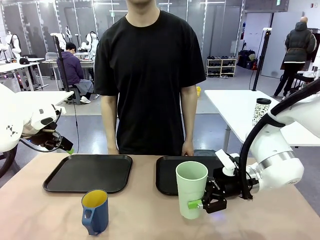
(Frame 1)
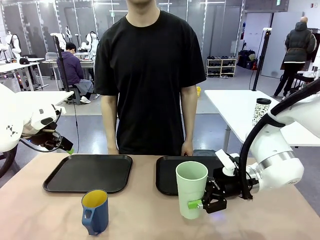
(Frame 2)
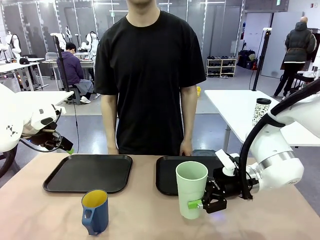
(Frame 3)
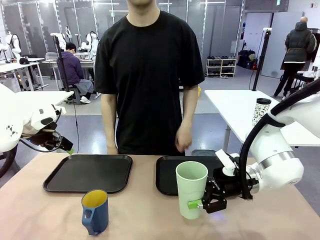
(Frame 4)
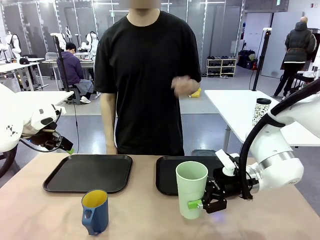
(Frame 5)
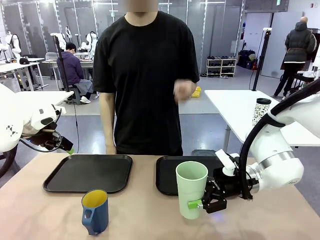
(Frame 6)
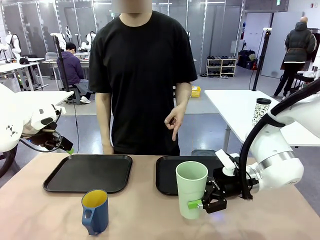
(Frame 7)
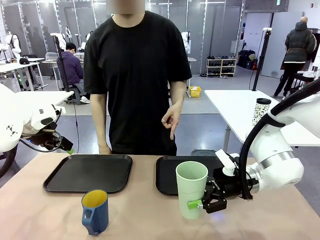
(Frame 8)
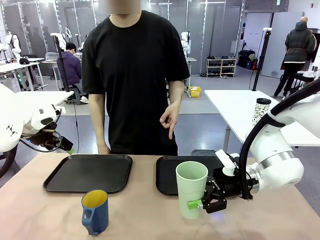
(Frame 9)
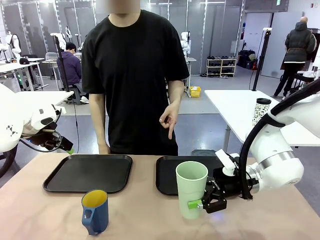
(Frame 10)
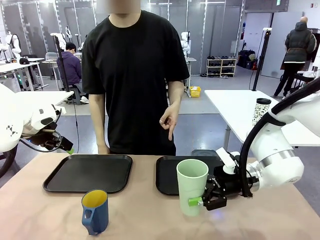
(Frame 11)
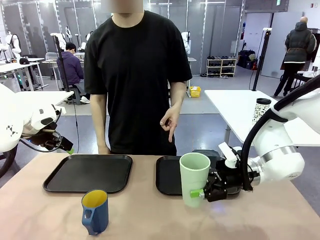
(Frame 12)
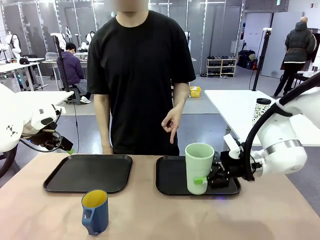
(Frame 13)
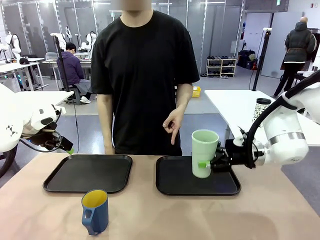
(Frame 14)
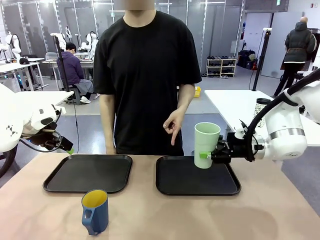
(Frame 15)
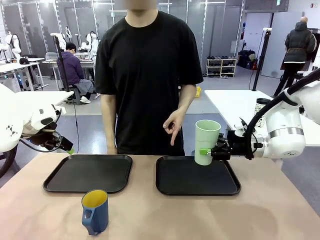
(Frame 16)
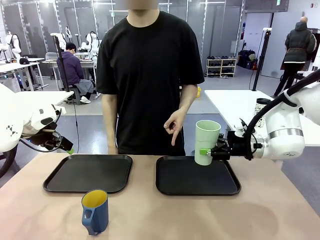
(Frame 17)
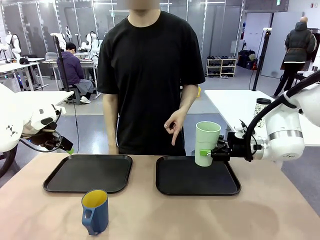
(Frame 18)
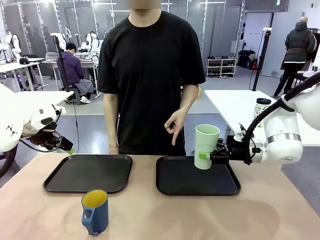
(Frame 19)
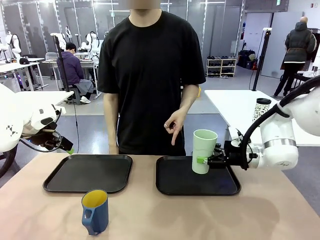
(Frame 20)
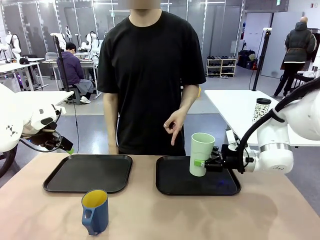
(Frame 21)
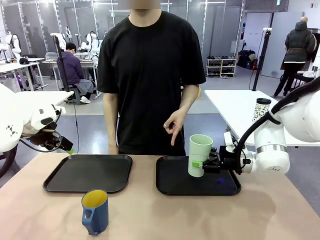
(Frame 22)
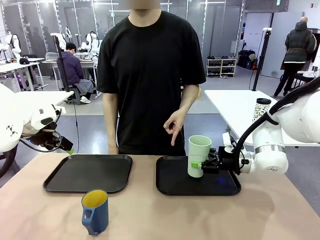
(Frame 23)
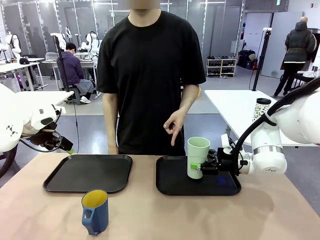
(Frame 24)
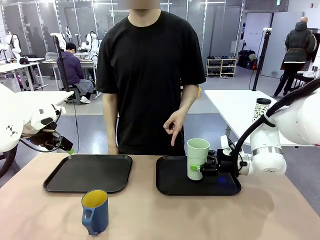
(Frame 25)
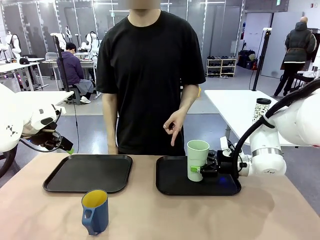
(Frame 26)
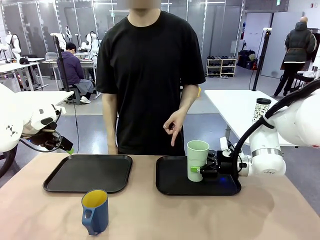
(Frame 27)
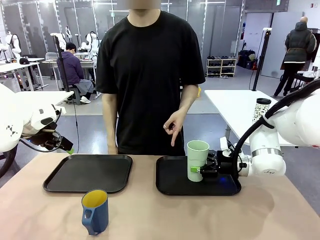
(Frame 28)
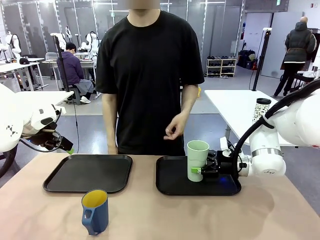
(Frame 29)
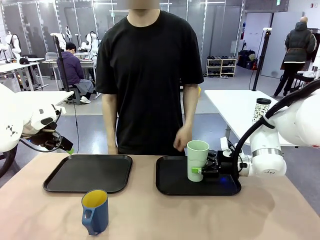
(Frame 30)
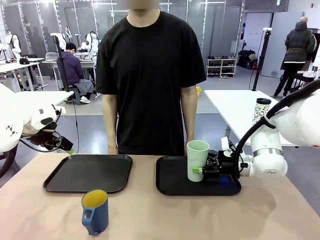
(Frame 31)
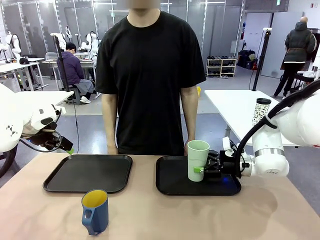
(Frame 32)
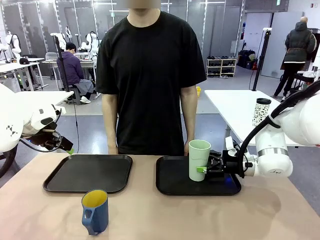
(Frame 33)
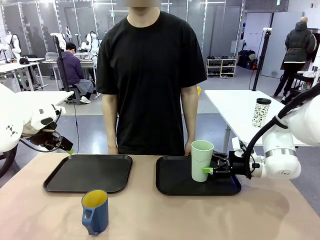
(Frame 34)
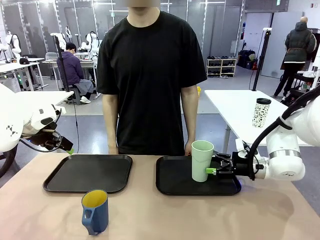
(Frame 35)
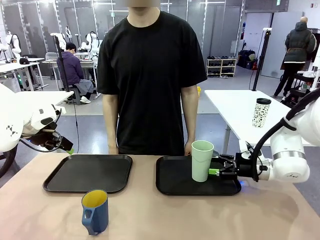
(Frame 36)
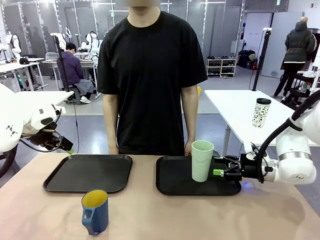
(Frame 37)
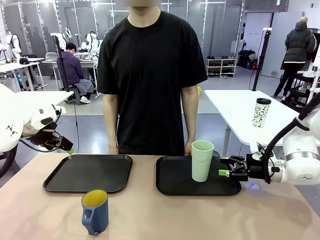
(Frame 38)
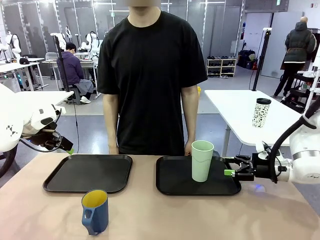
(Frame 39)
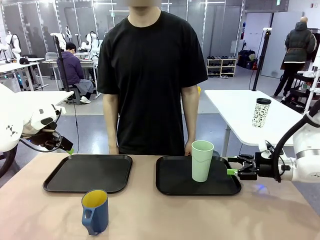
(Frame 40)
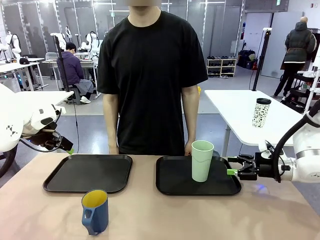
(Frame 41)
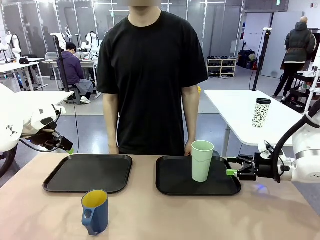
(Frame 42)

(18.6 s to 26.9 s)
Task: Sort and store the cups by type.
Robot: Place the picked Reusable plastic cup into the Flat Tray indicated by the person.

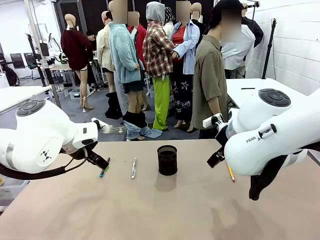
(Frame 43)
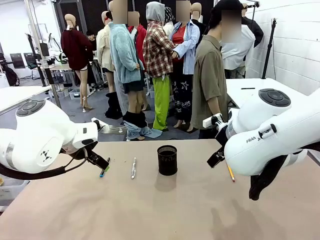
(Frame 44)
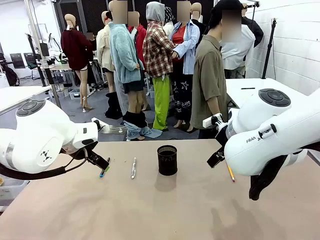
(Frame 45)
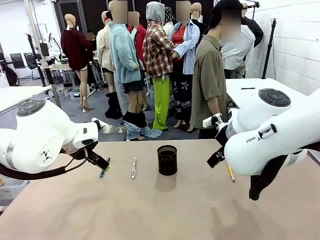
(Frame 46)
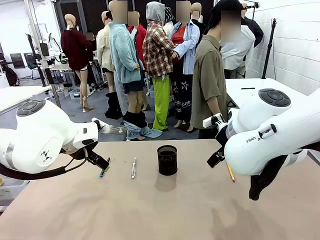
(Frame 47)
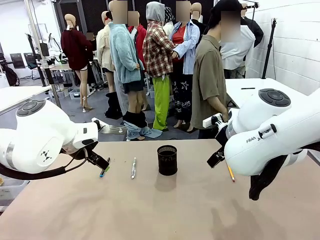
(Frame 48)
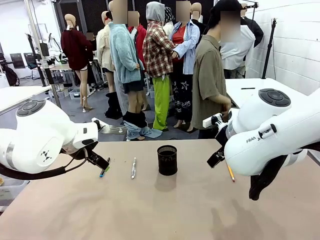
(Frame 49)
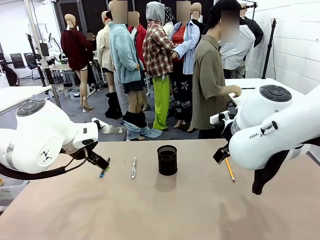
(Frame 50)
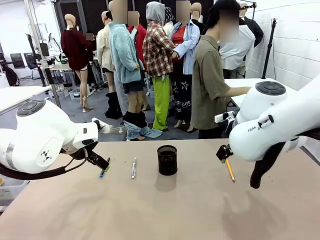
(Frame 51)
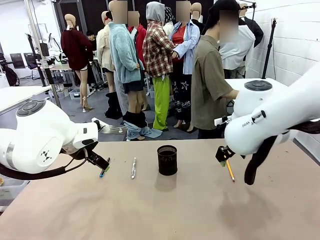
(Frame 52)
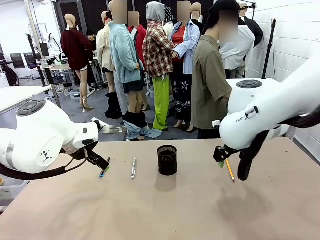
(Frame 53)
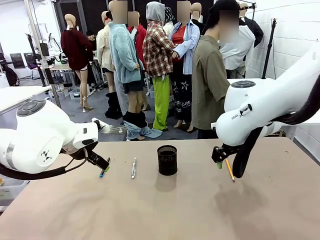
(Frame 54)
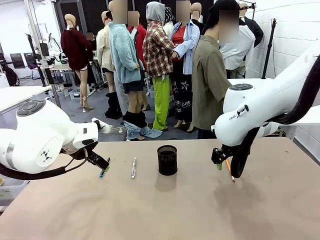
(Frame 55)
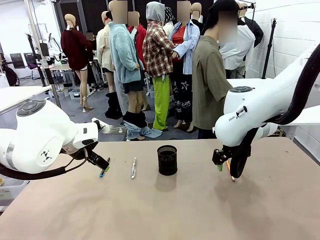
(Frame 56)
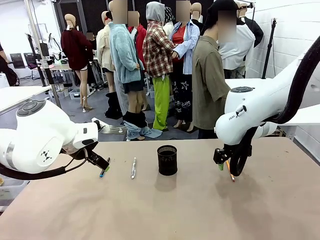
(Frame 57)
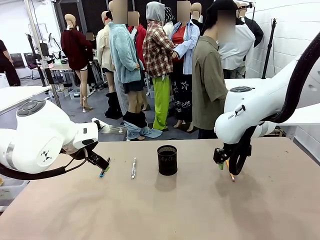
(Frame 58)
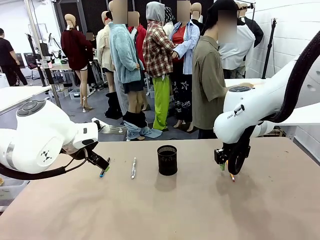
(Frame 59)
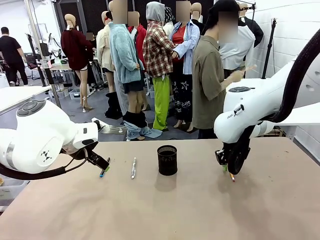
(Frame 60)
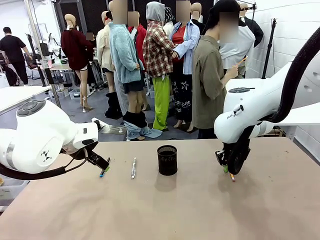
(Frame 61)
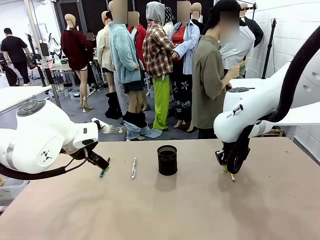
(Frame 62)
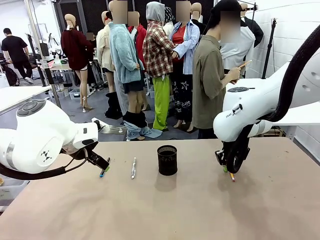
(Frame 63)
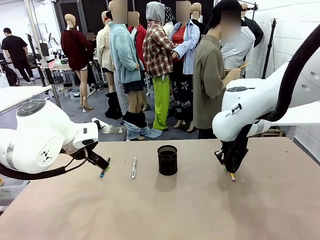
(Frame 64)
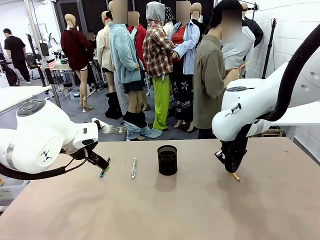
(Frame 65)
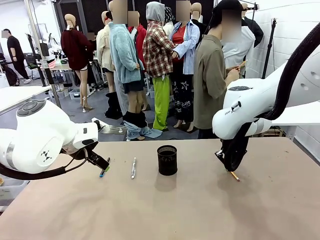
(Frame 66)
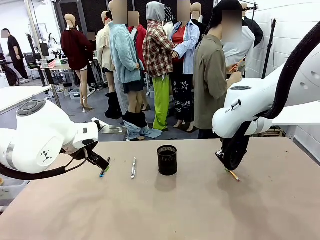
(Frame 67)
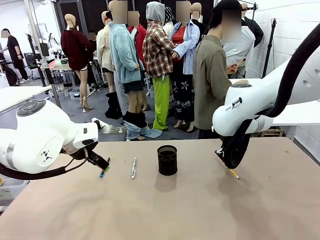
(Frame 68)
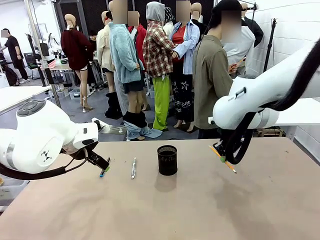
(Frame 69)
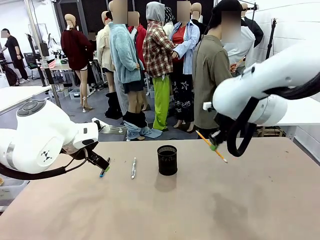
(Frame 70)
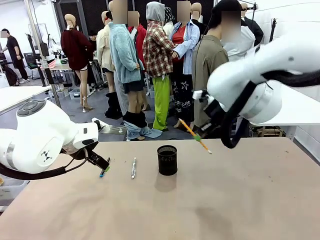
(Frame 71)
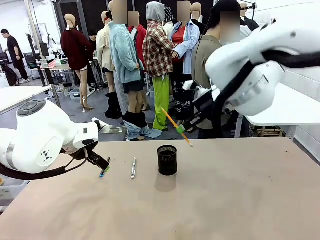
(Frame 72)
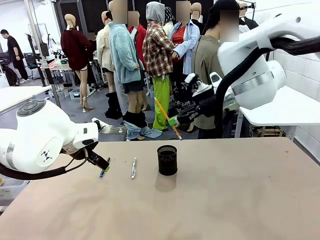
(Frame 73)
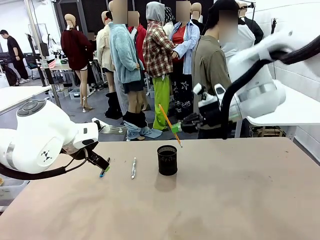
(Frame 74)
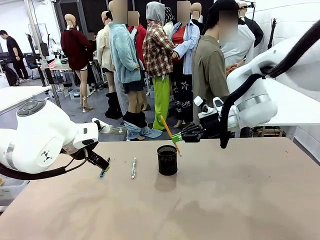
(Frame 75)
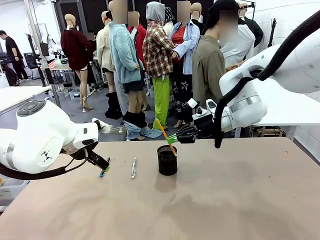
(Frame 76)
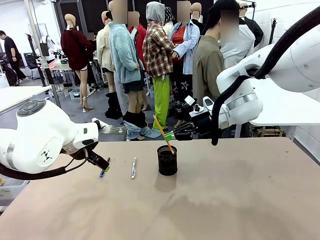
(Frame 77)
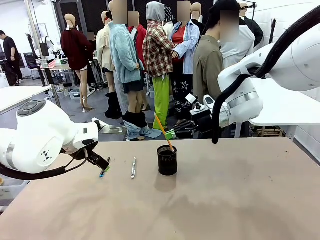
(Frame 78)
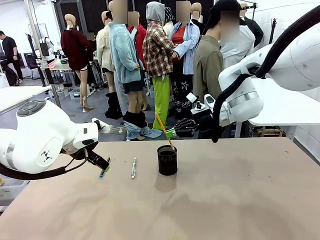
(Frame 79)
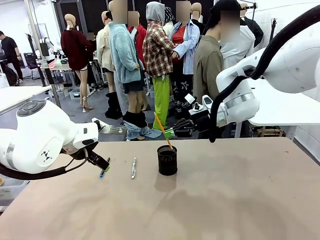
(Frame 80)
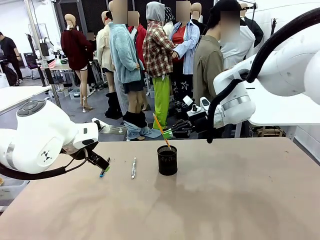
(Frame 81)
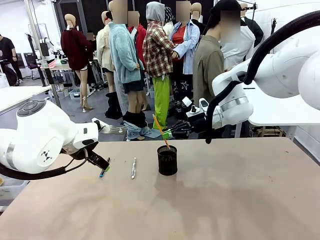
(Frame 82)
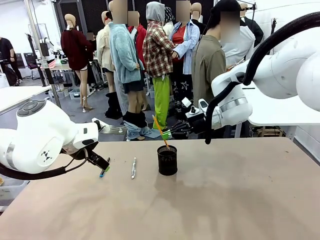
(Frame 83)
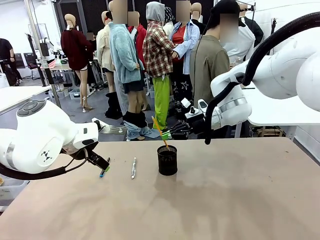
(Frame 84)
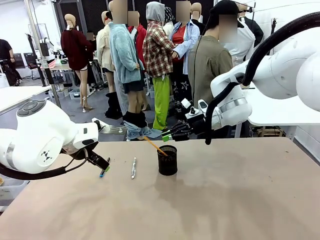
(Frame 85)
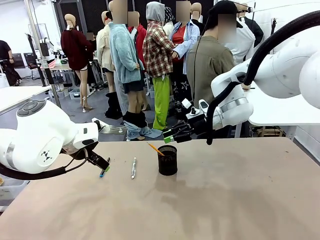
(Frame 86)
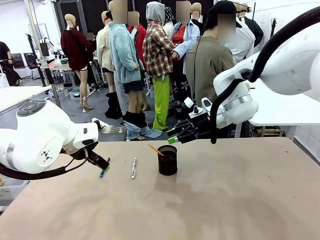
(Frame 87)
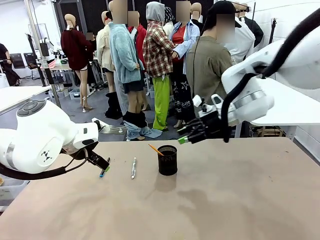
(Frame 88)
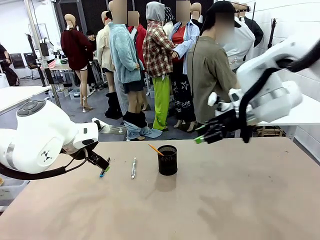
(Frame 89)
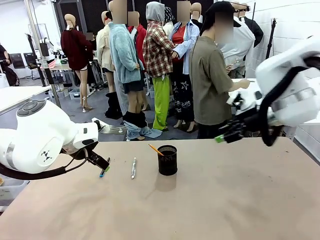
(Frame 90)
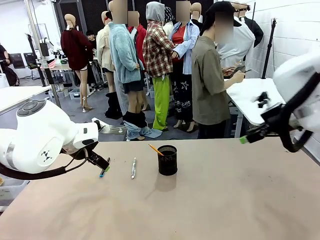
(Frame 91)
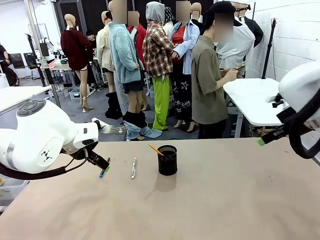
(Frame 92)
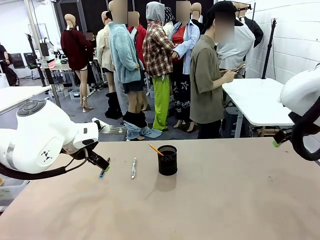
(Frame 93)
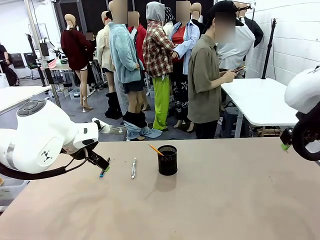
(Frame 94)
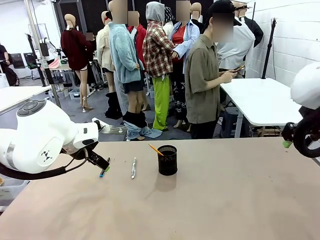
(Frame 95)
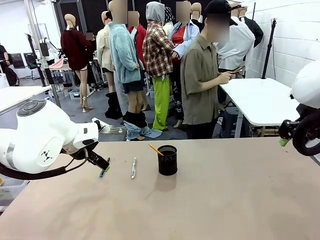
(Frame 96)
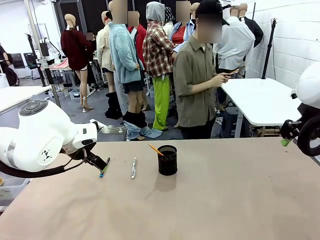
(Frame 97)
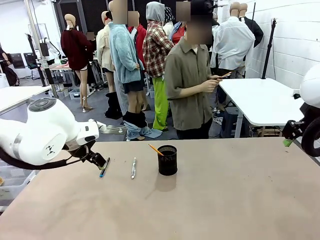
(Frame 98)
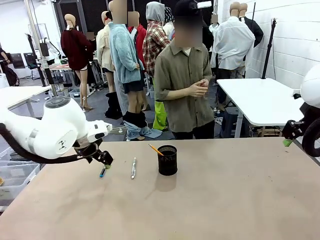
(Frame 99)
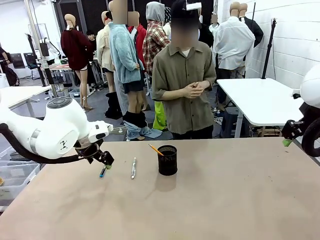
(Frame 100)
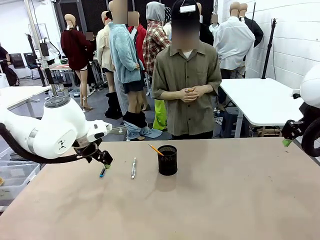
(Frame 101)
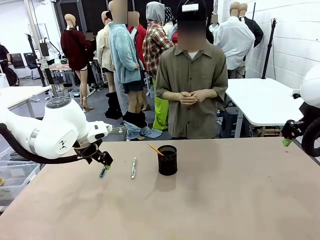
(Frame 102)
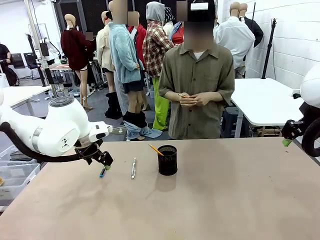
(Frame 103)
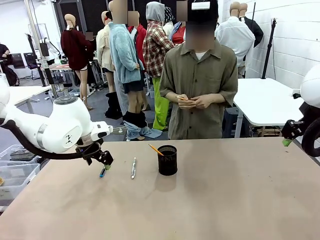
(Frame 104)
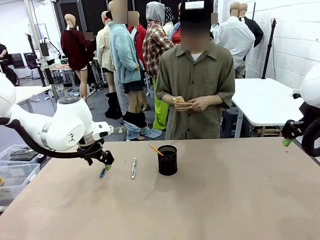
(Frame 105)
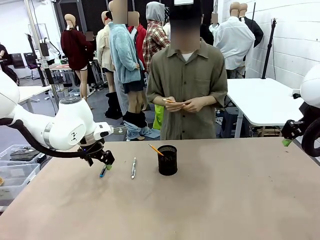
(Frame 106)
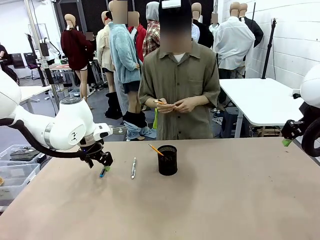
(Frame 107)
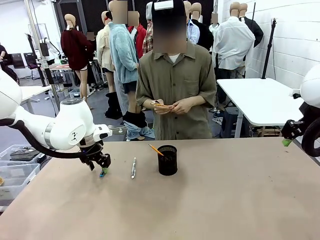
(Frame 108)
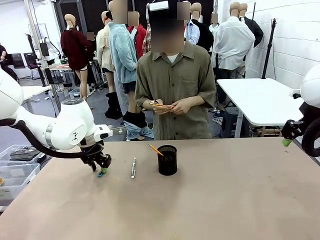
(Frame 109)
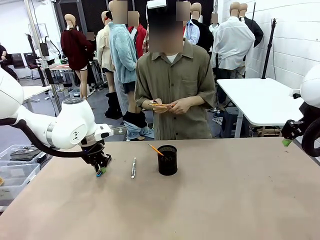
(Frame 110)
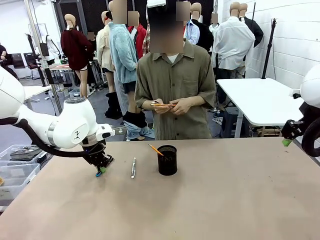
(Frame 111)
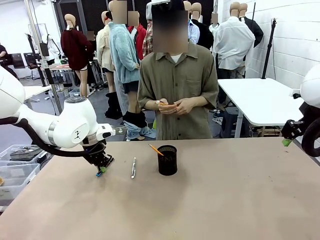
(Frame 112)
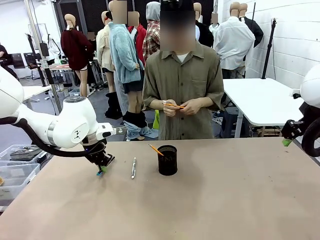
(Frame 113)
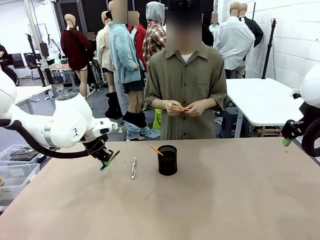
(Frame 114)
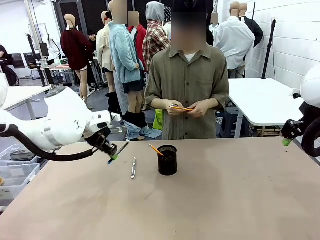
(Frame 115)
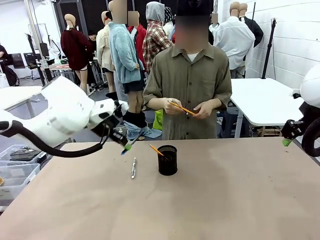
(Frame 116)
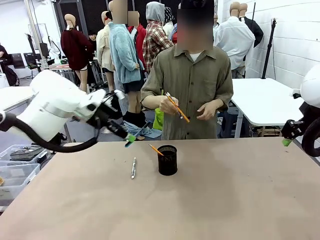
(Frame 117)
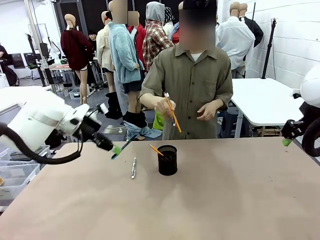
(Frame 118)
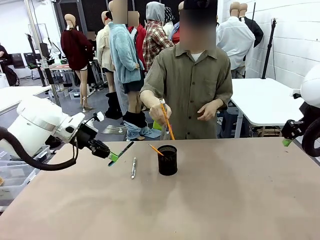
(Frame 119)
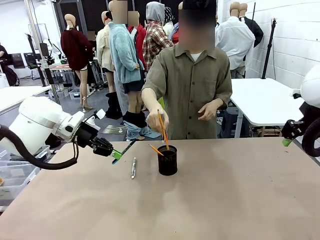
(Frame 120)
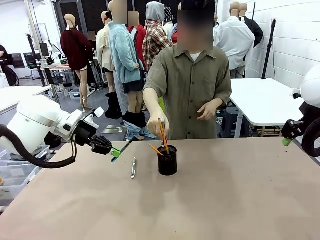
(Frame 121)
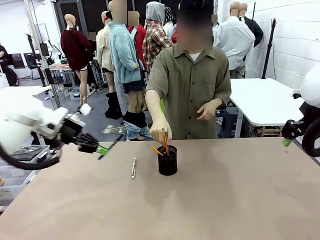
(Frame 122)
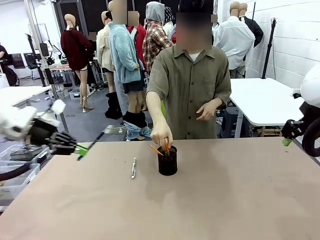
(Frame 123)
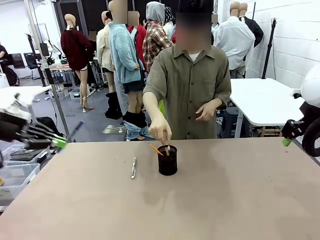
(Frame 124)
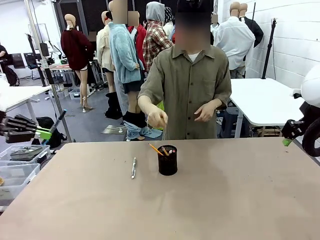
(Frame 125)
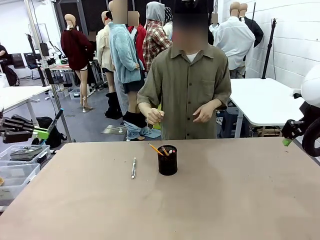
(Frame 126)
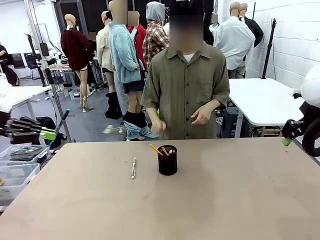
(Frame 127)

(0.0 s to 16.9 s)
Task: Place the pens into the pen holder.
Robot: Pick up a writing instrument from the table and place it into the Pen holder.
Person: Pick up all writing instruments from the Human table.
